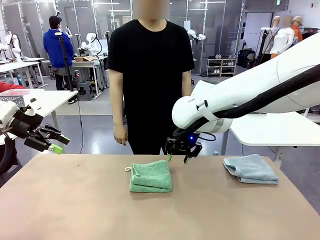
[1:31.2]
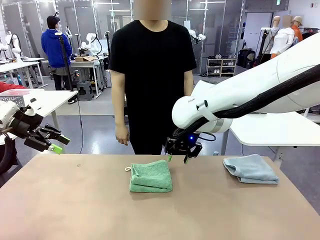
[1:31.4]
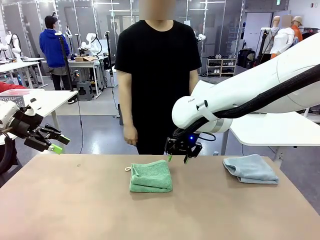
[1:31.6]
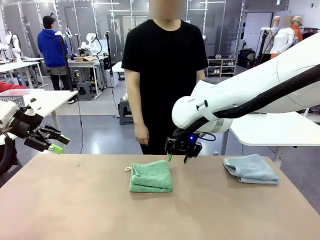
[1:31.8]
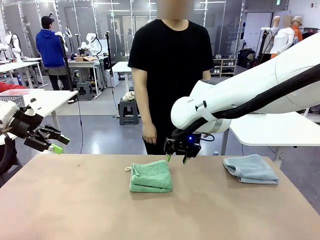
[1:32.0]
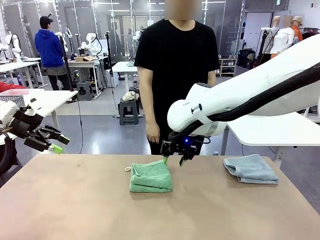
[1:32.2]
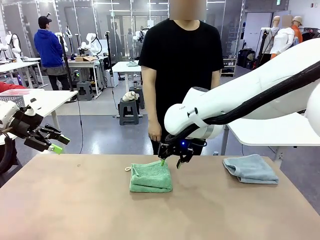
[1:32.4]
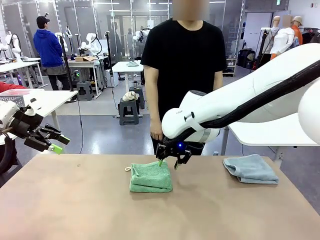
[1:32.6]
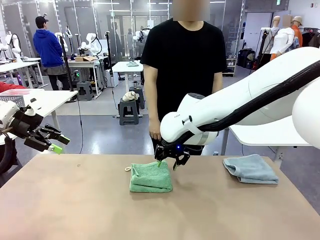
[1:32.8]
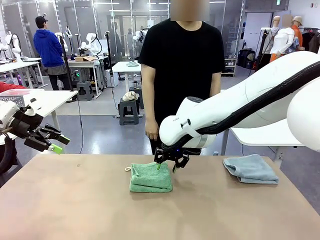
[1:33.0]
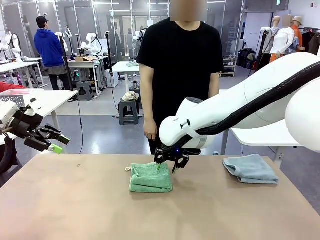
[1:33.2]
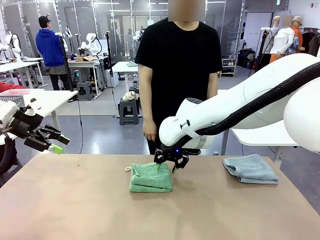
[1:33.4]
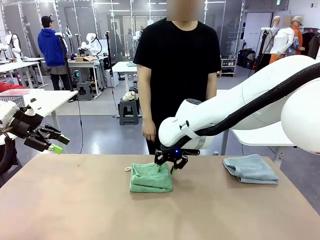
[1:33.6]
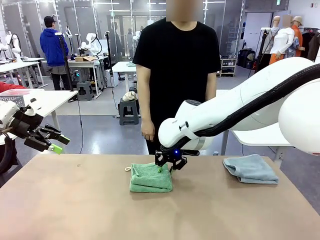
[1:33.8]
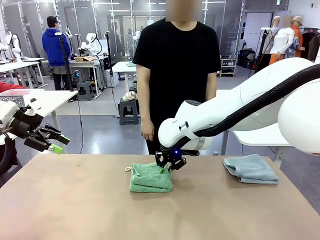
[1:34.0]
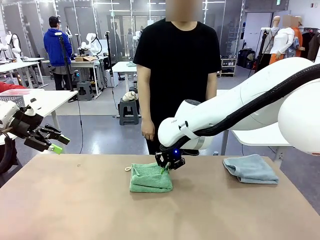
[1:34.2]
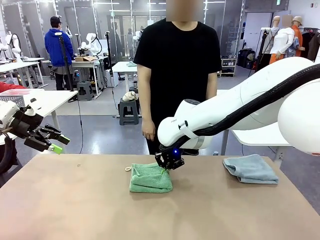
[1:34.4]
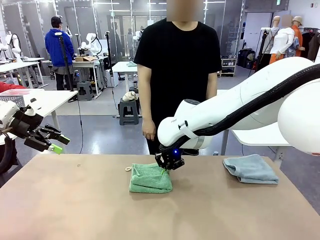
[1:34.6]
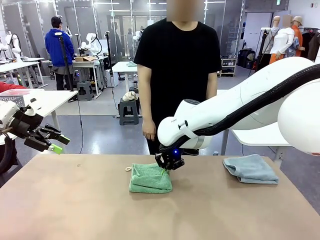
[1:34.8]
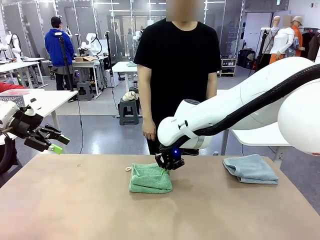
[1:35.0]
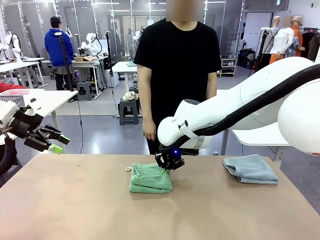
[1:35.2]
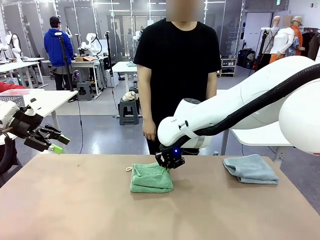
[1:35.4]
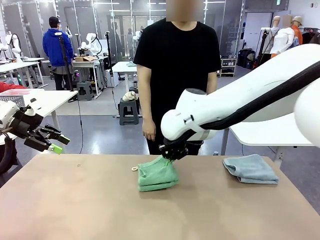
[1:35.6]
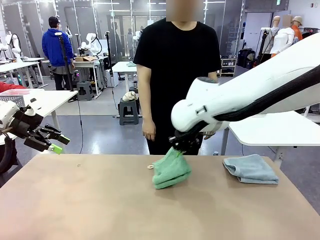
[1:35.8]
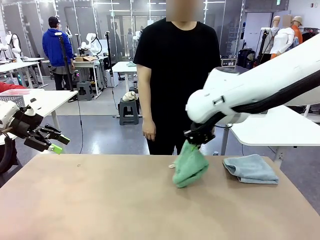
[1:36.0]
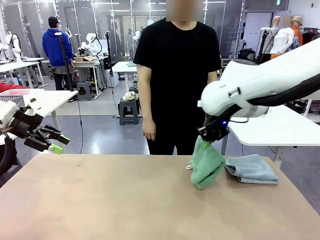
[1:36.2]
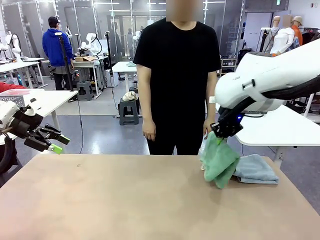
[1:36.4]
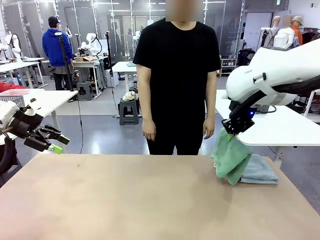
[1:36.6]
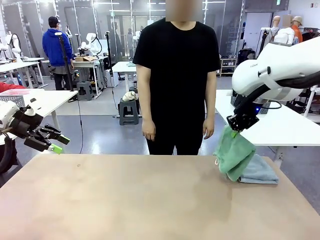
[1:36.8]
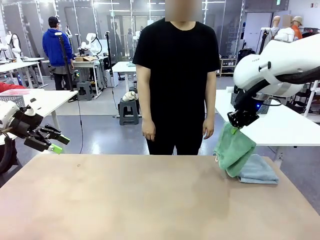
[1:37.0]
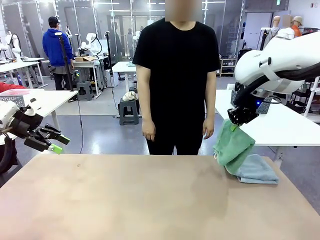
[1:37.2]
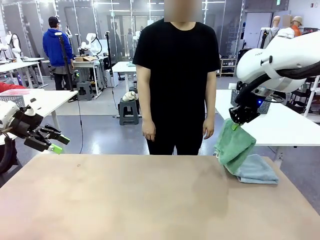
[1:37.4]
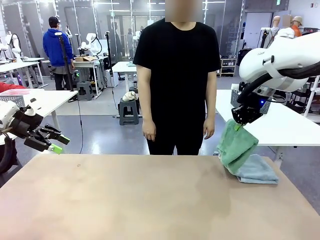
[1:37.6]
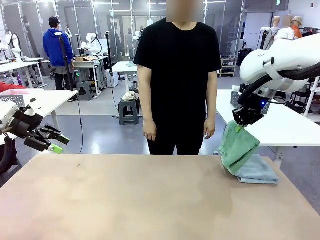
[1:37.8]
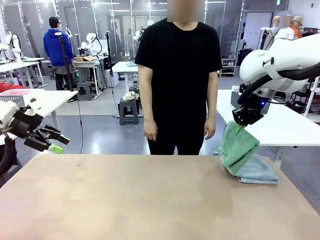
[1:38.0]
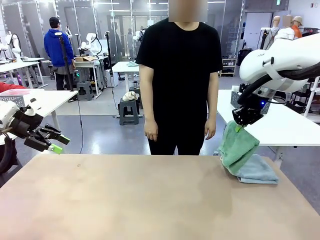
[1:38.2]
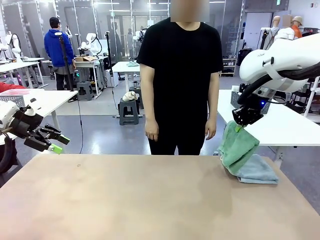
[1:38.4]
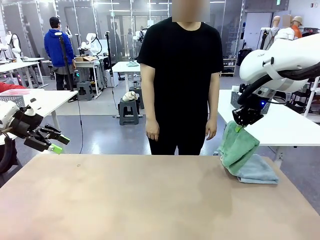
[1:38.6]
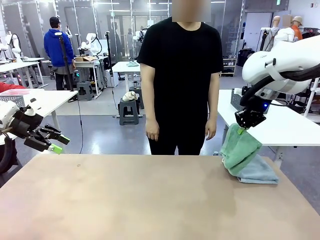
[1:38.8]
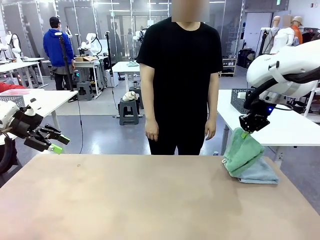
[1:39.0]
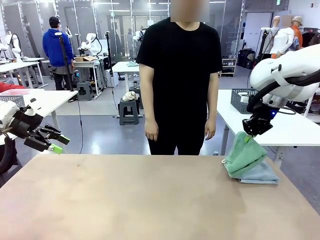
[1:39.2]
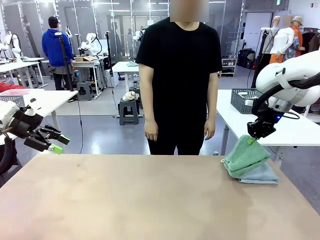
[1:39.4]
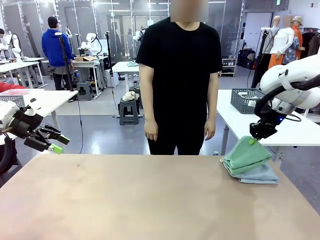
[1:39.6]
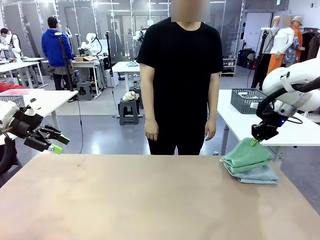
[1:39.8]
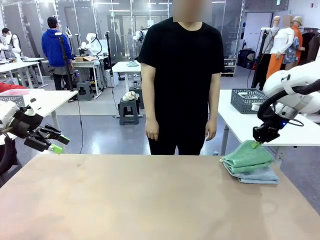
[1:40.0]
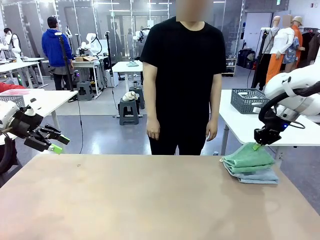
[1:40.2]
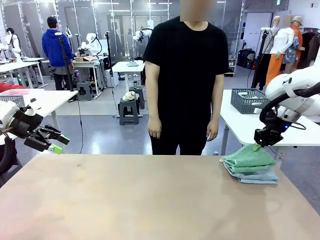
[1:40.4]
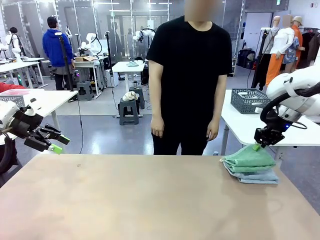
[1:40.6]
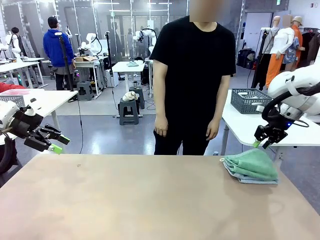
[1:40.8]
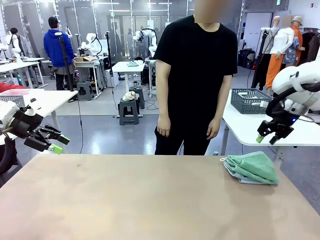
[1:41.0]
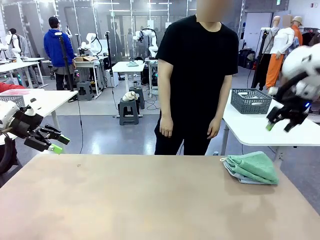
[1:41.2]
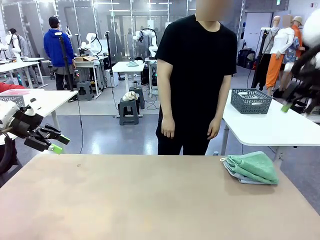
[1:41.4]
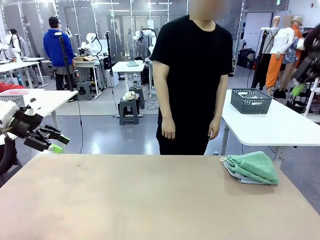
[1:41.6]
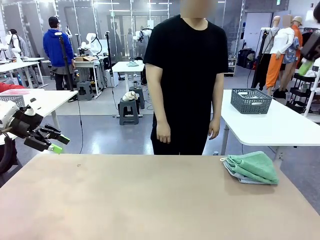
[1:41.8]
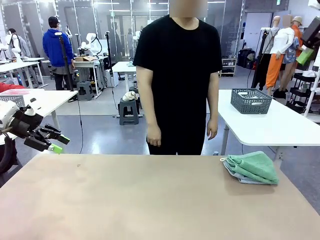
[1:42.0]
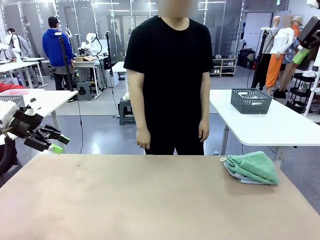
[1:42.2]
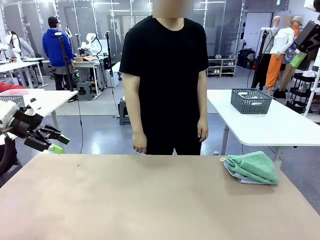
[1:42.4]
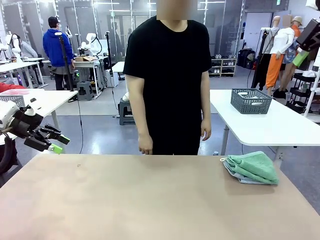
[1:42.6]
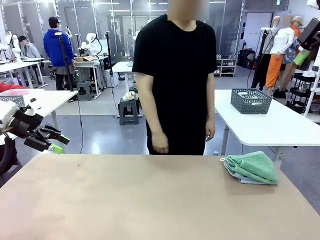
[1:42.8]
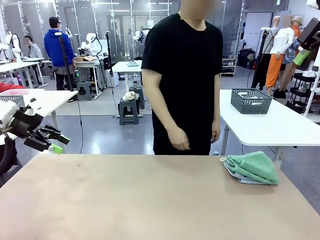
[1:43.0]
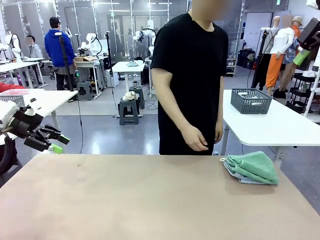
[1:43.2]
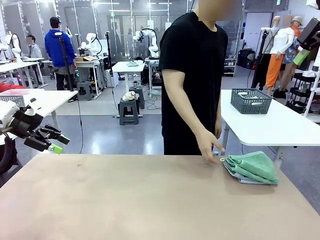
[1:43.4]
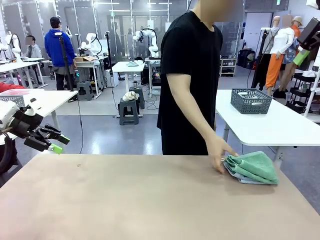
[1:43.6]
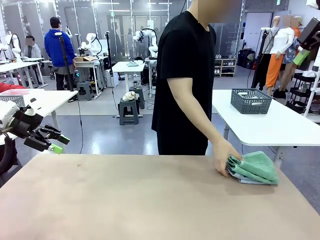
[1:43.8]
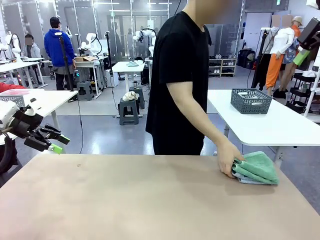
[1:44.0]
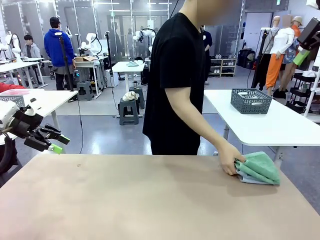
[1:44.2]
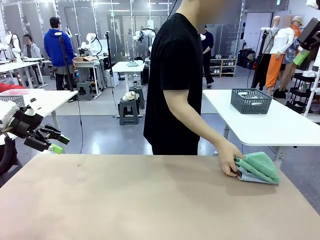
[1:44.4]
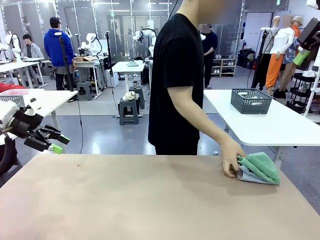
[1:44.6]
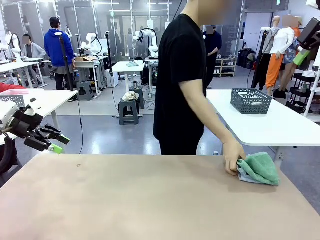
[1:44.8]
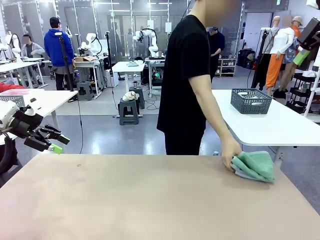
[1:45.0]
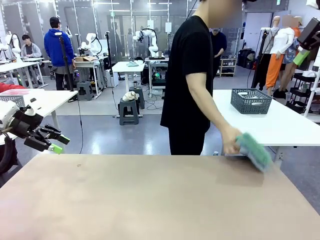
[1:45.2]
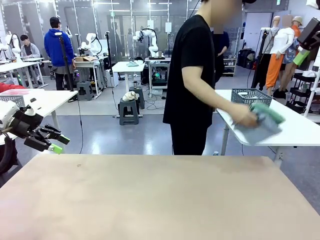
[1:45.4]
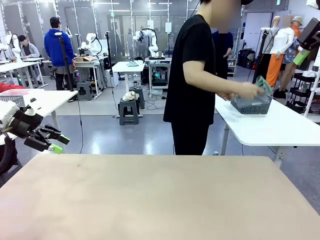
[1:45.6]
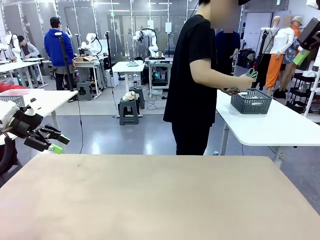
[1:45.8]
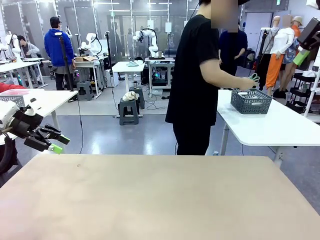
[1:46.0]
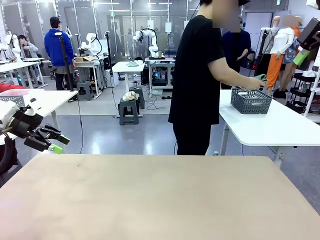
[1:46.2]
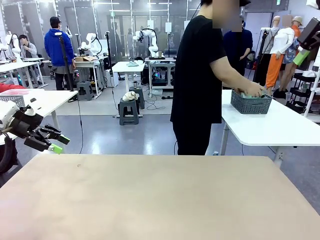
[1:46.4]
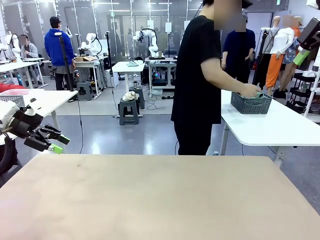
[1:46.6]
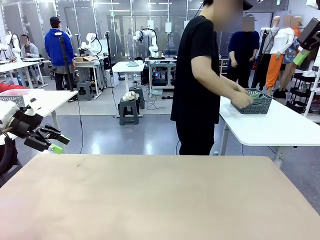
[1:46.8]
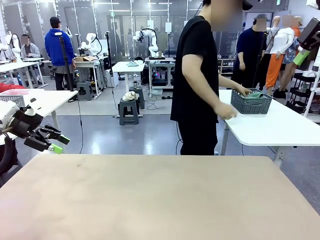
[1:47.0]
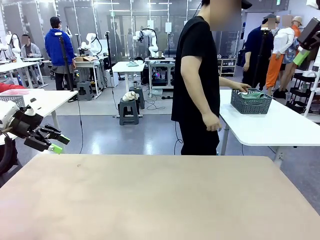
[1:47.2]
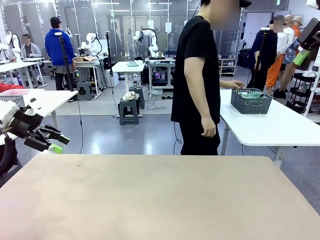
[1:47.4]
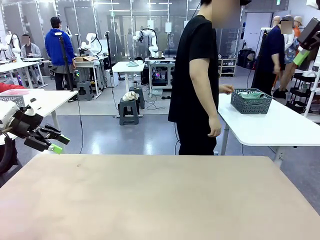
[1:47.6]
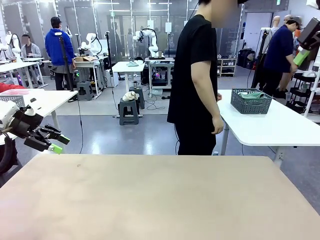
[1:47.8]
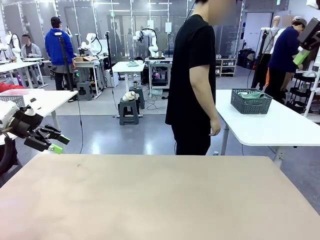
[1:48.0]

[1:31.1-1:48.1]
Task: Fold the towels and place them in the basket.
Robot: Stack the folded Towel with hook on the right side of the table.
Person: Pick up the stack of towels from the robot table and place it into the basket.

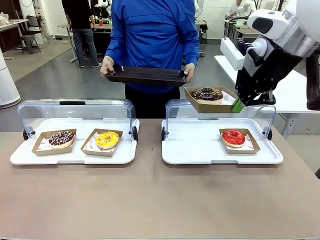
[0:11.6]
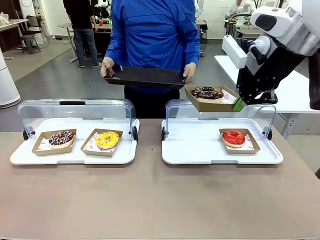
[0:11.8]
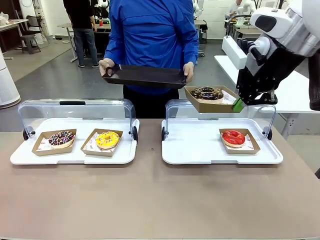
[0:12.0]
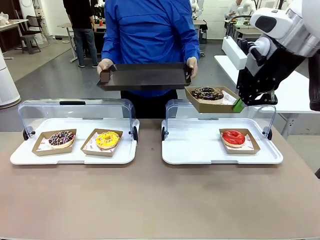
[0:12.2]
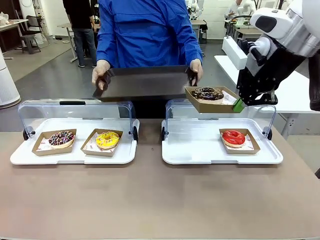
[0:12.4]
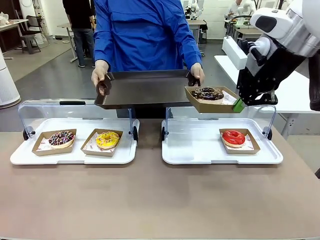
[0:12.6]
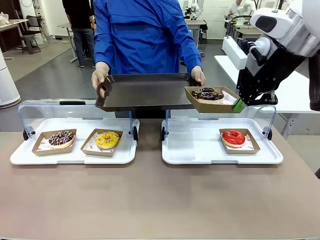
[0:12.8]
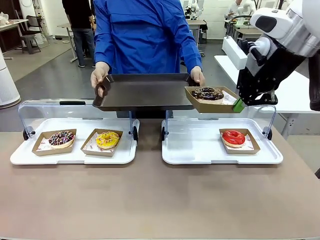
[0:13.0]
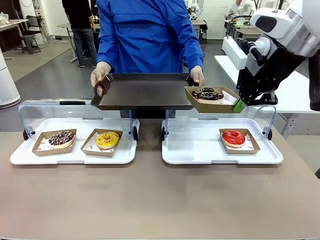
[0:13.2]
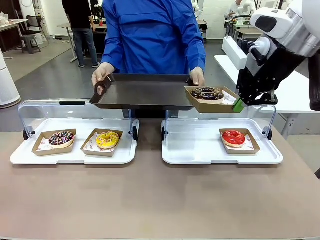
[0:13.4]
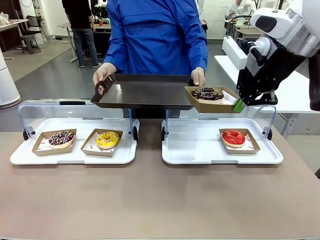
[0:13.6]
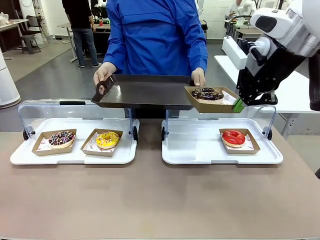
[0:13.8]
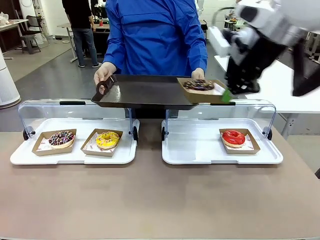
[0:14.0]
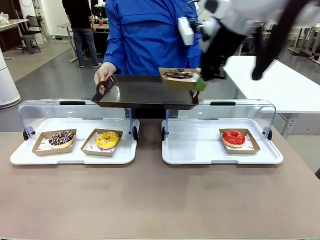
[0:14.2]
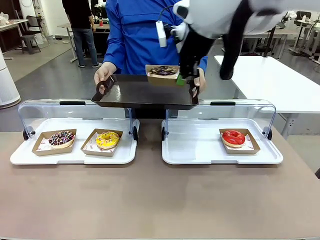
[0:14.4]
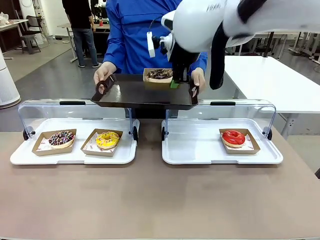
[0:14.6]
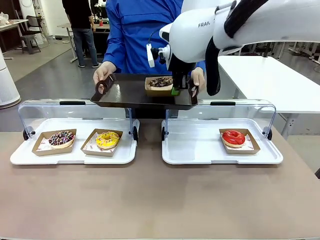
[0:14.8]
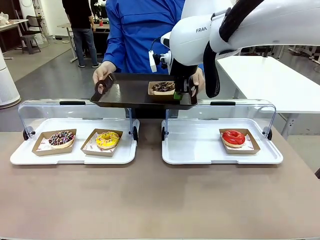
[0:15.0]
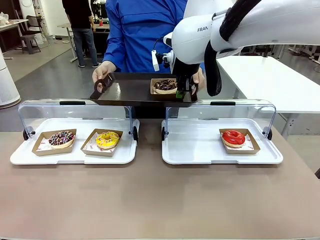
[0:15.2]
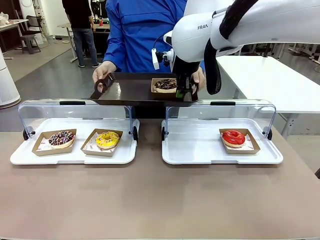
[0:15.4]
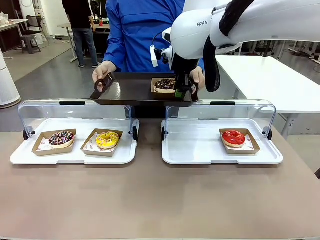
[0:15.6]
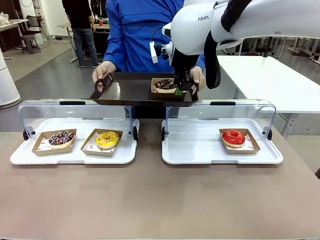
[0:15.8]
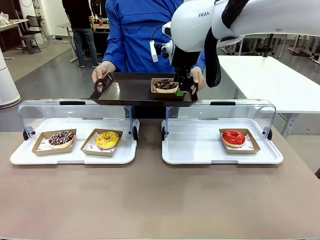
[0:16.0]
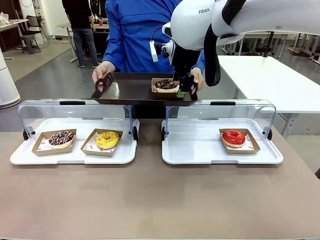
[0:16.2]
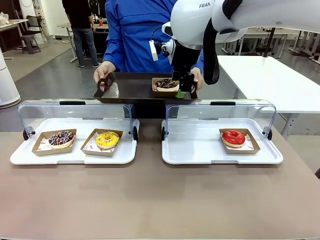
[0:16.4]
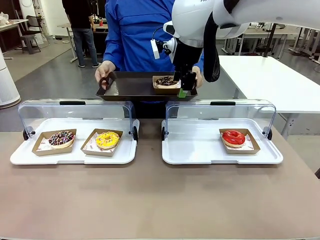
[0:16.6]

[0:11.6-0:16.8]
Task: Provide the desired donut to the person.
Robot: Place the picked Paper togo box onto the Handle tray extended by the person.
Person: Point to one donut.

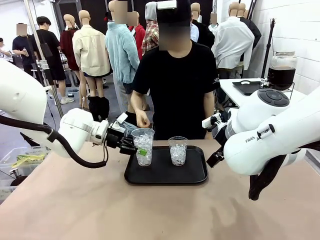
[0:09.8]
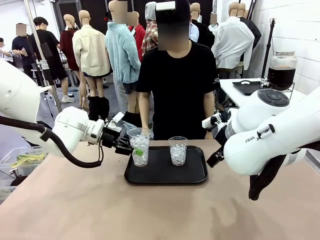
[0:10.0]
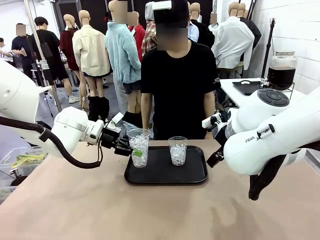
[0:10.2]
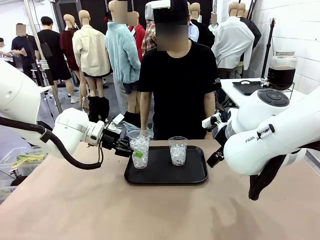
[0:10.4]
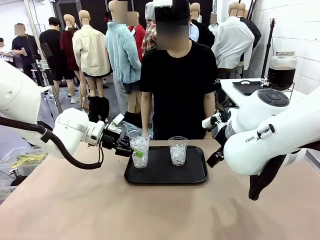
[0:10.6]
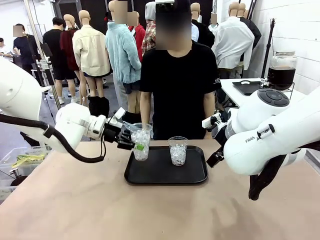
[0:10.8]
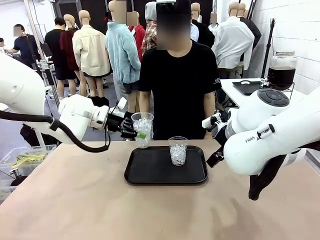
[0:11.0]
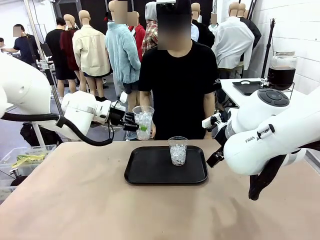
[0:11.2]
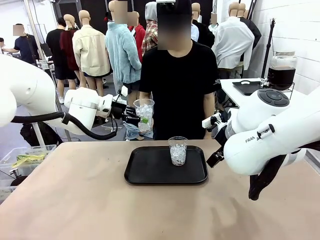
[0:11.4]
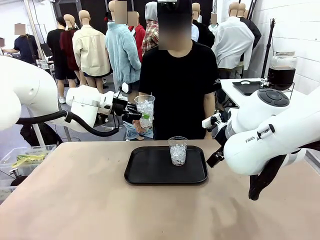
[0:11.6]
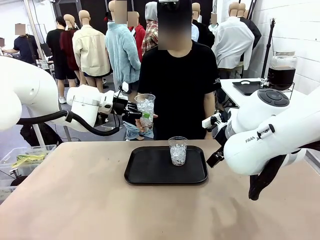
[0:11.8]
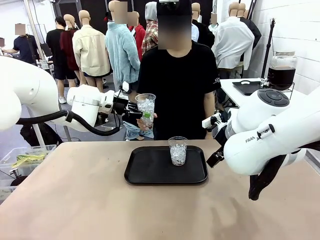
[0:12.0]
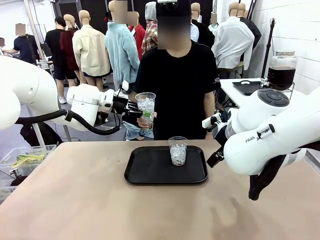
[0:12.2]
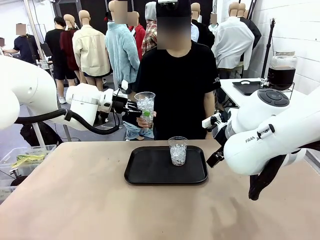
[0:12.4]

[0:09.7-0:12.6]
Task: Pour the drink into the iced cup.
Robot: Open the gripper to release the iced cup you were holding.
